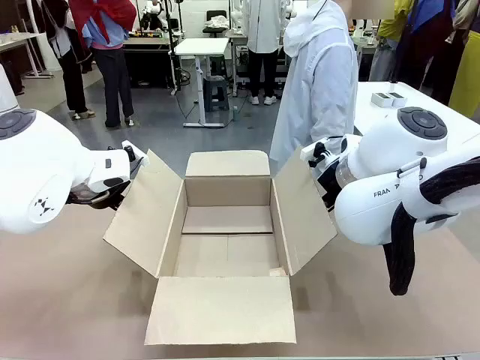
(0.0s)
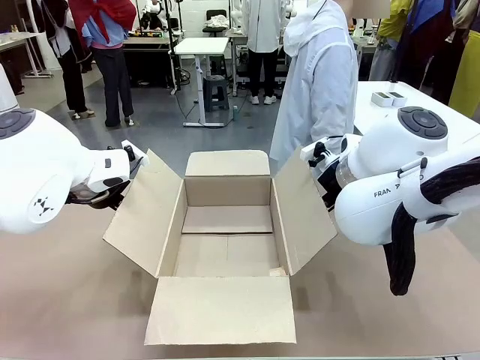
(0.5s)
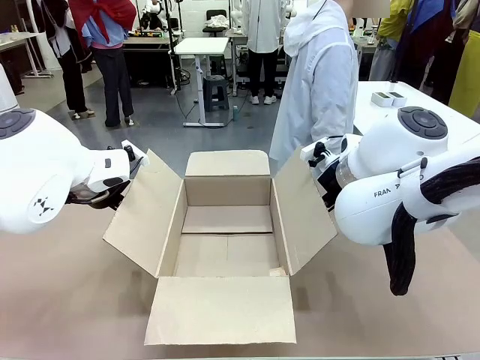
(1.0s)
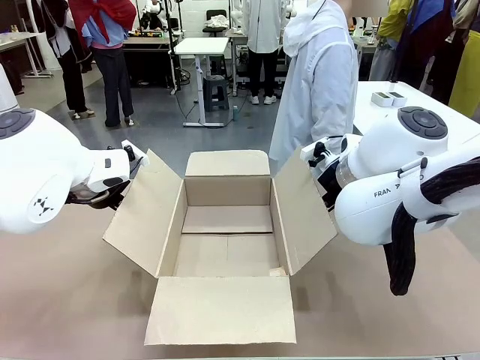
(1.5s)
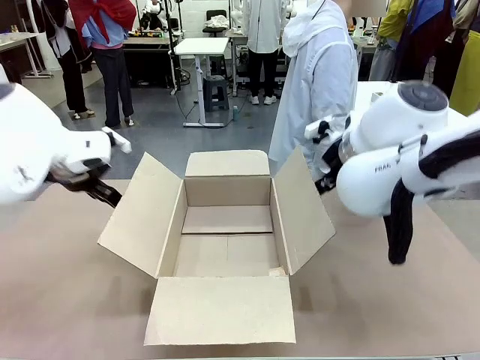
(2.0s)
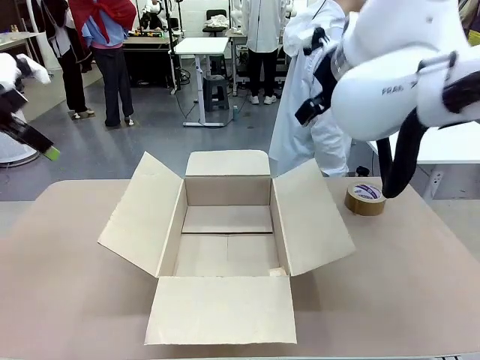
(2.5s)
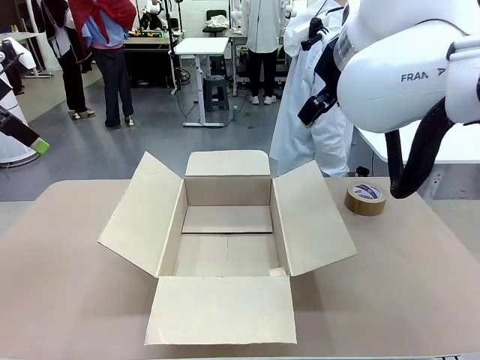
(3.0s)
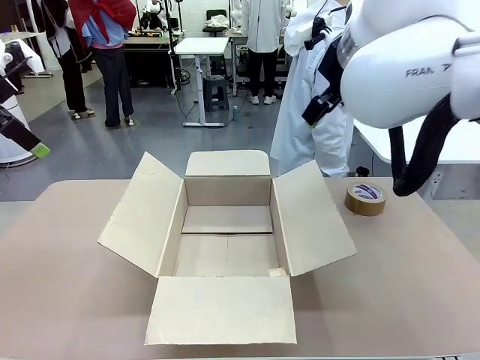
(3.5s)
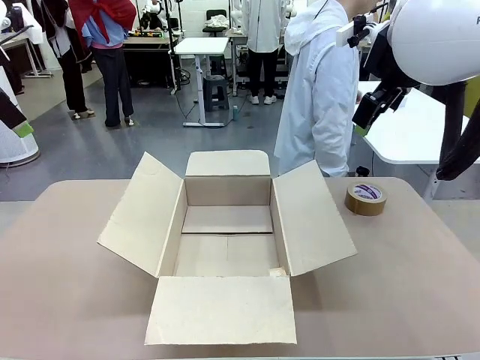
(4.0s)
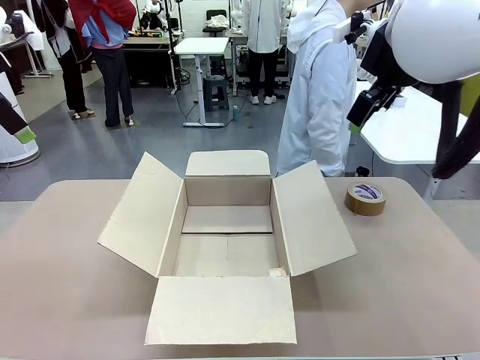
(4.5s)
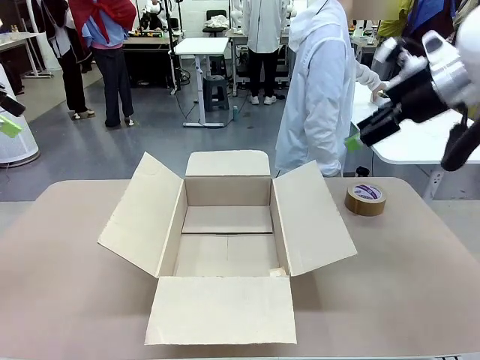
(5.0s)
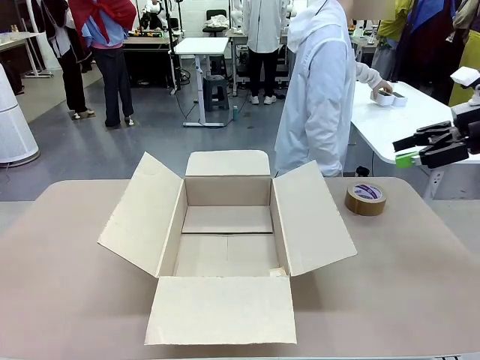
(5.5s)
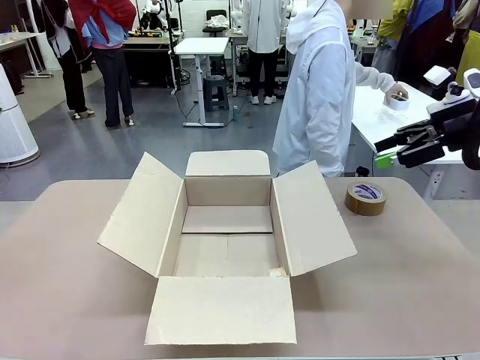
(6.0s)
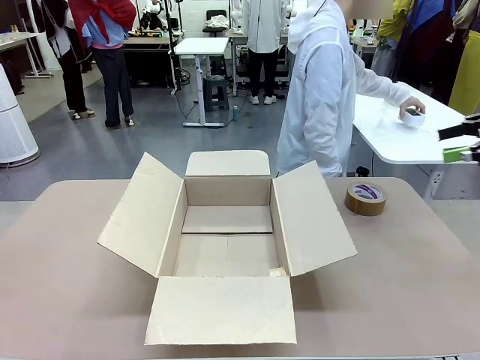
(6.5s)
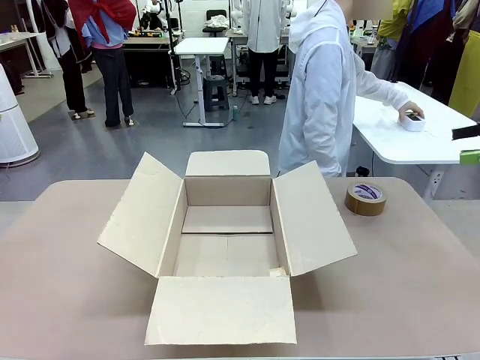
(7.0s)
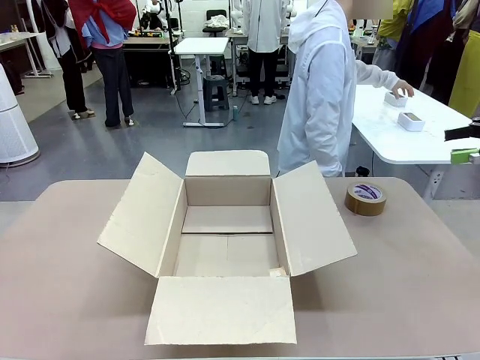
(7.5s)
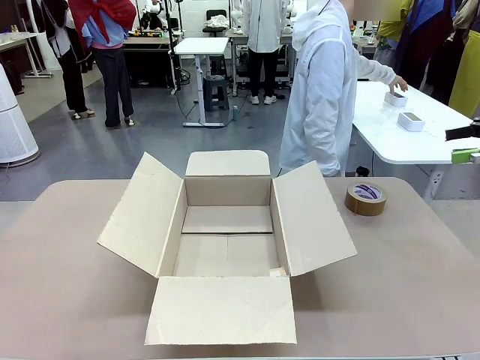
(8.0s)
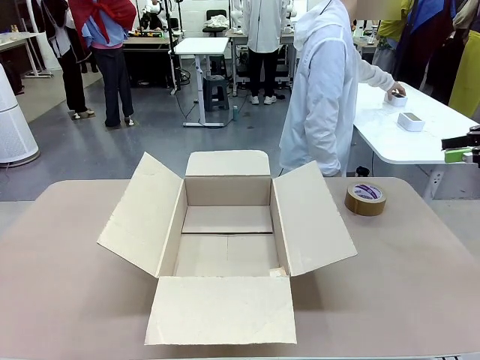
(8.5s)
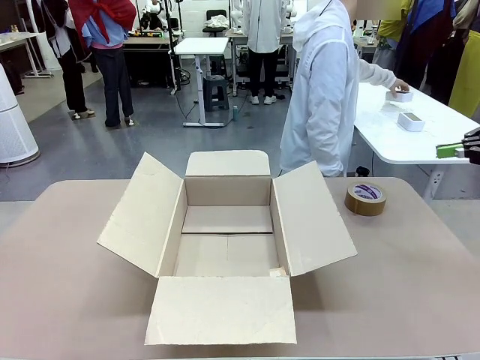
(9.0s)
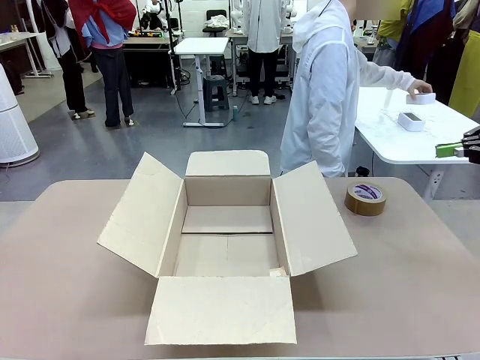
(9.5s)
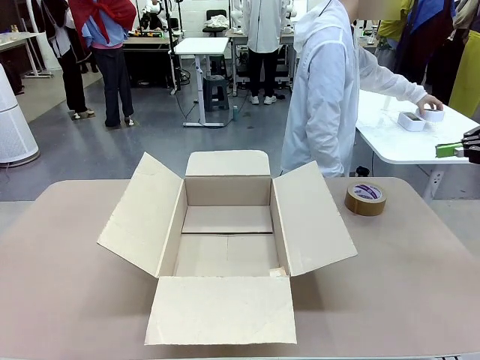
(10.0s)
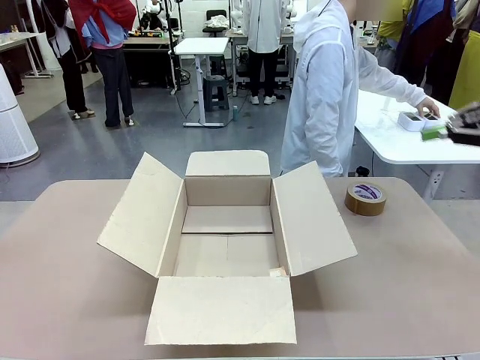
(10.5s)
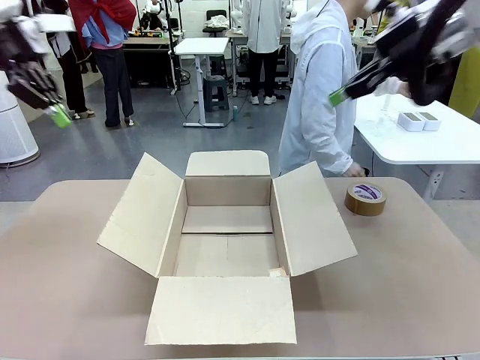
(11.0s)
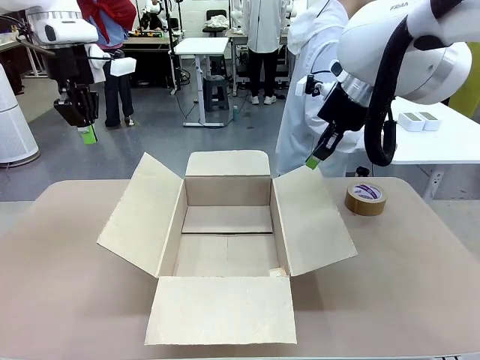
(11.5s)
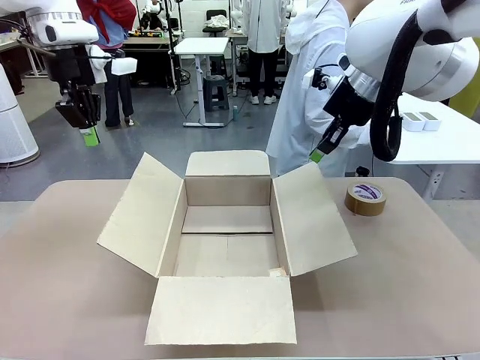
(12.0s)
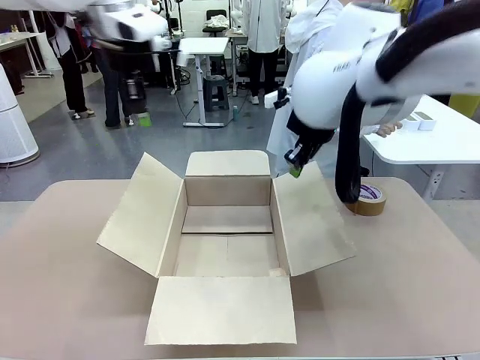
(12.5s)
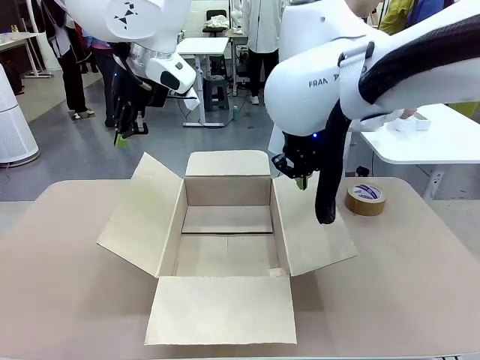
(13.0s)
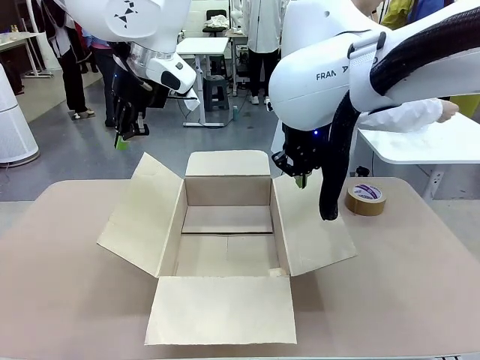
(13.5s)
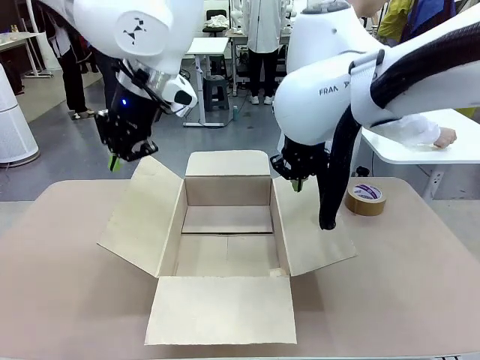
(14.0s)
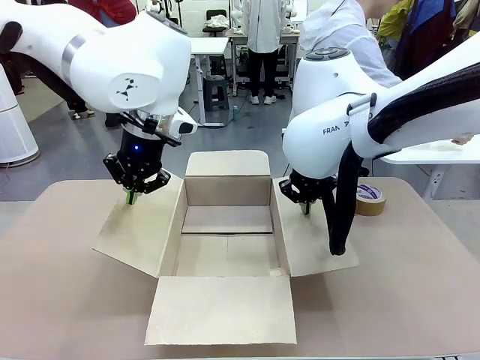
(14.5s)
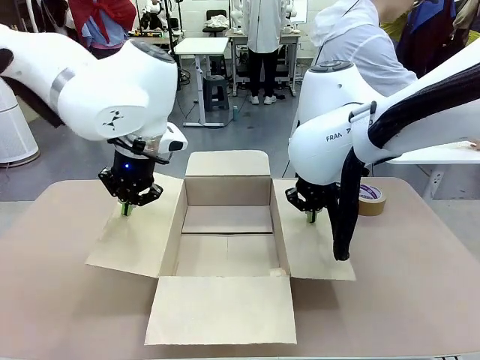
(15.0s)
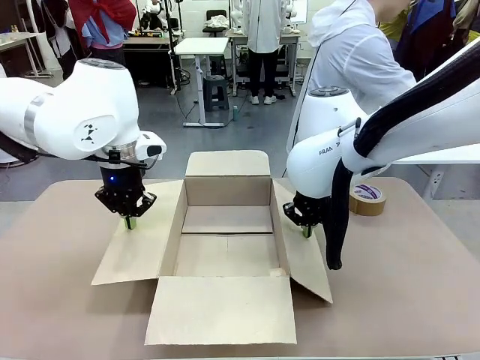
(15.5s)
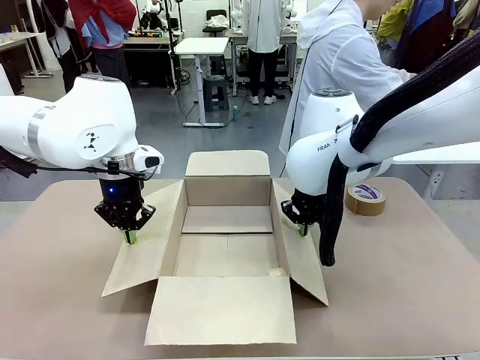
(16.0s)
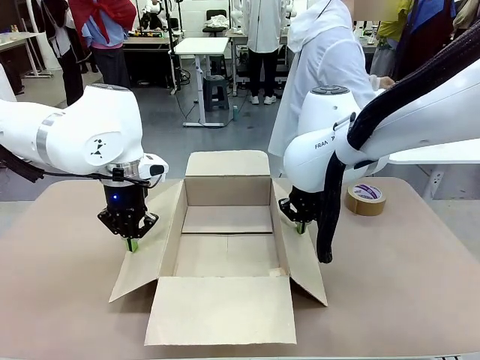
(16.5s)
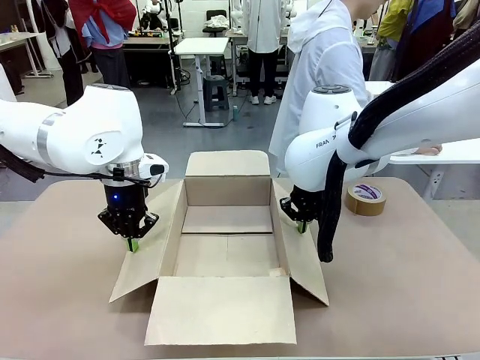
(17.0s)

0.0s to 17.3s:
Task: Wrap the clocks to prevent damage.
Robot: Open the side flaps of the Package Box.
Person: Wrap the two Digital clocks with Bubble Wrap.

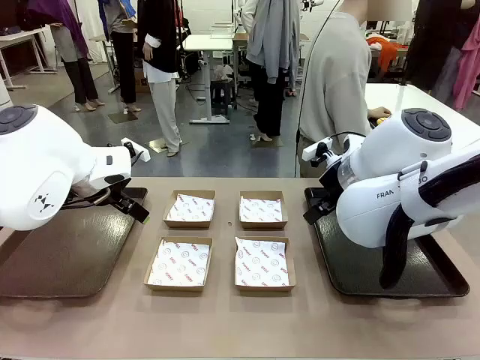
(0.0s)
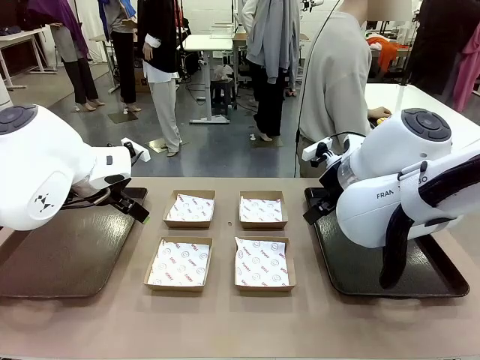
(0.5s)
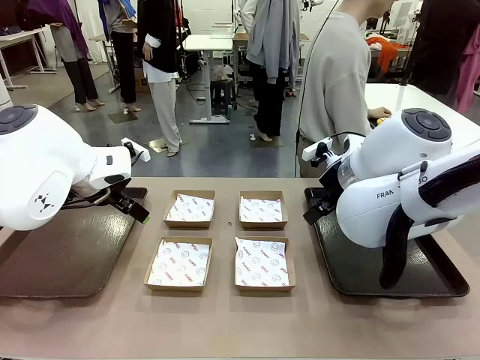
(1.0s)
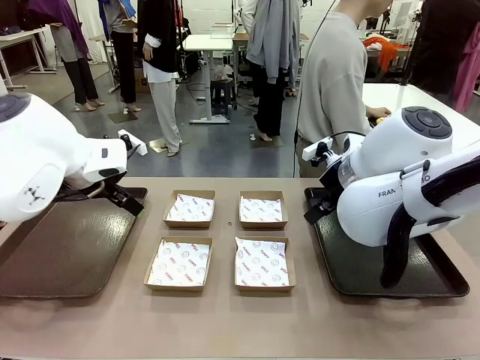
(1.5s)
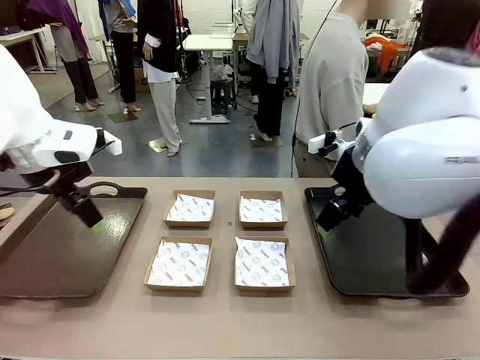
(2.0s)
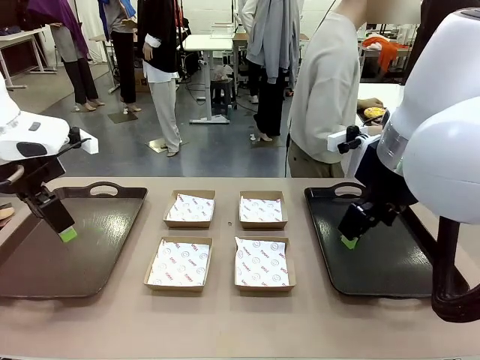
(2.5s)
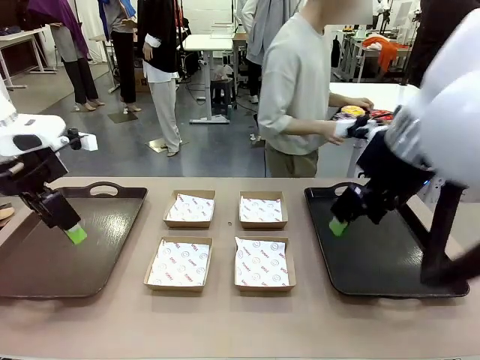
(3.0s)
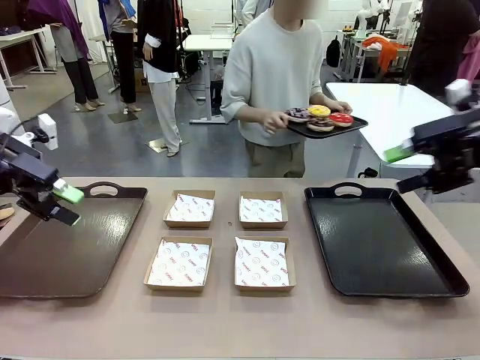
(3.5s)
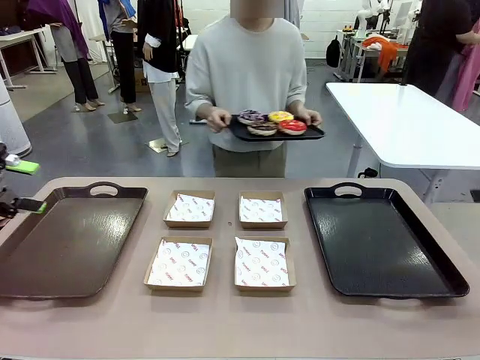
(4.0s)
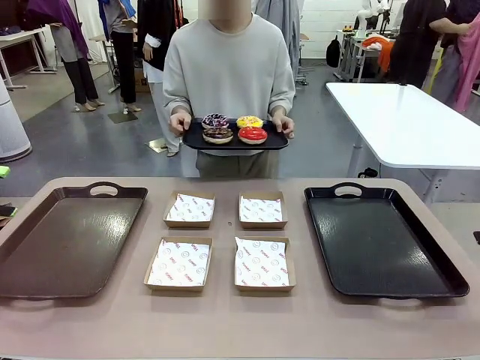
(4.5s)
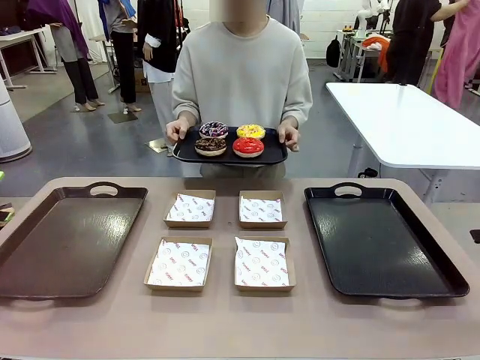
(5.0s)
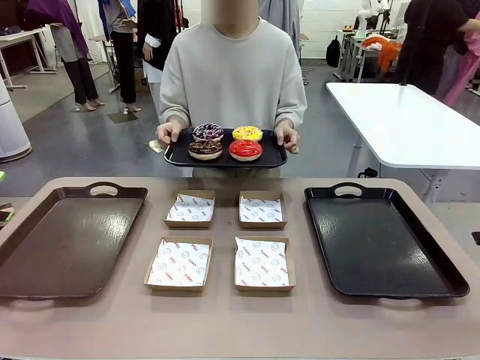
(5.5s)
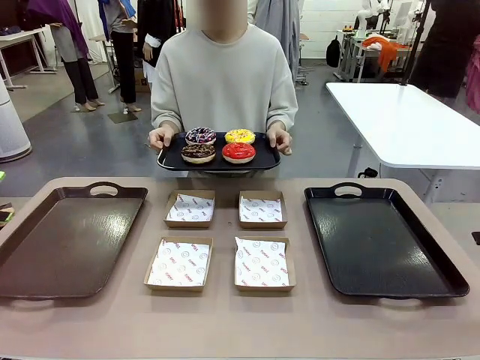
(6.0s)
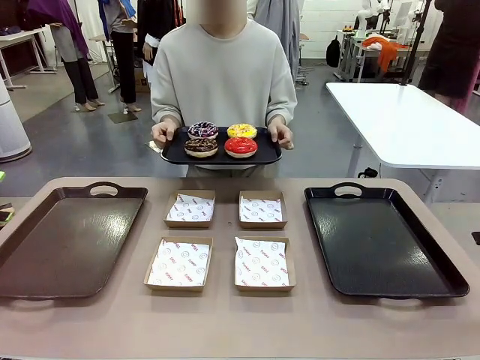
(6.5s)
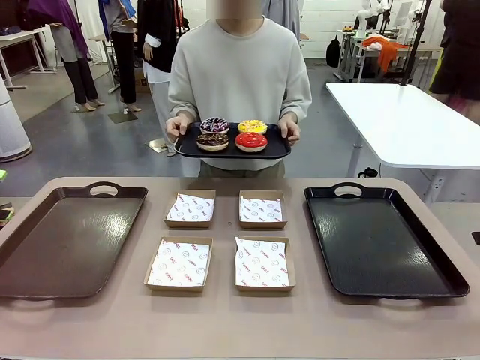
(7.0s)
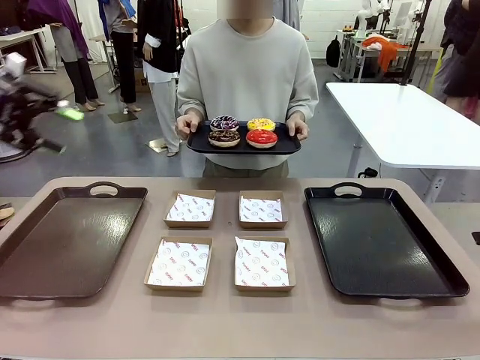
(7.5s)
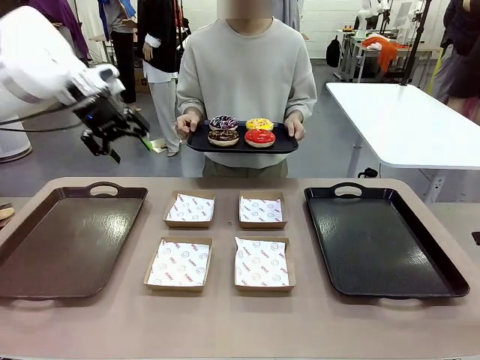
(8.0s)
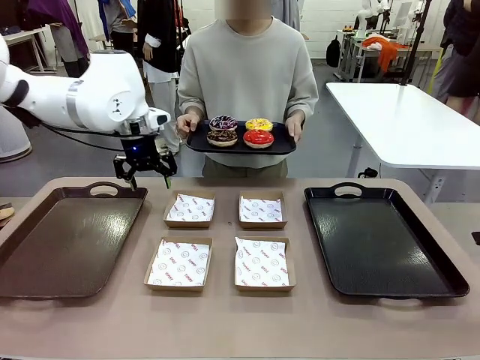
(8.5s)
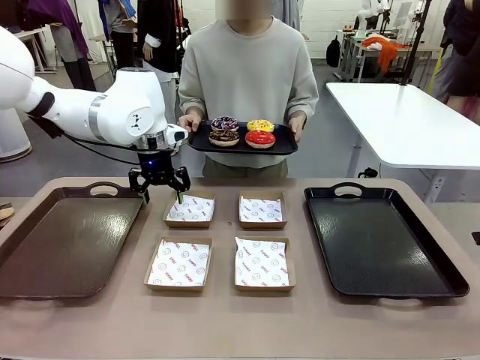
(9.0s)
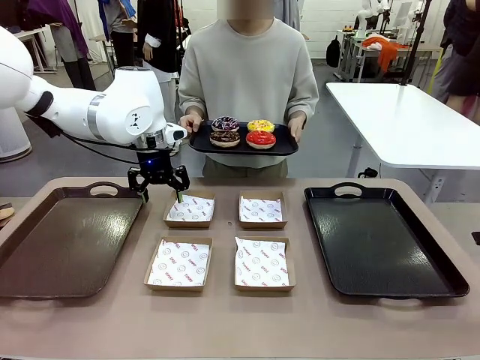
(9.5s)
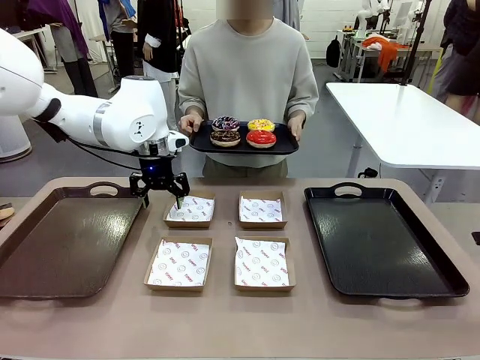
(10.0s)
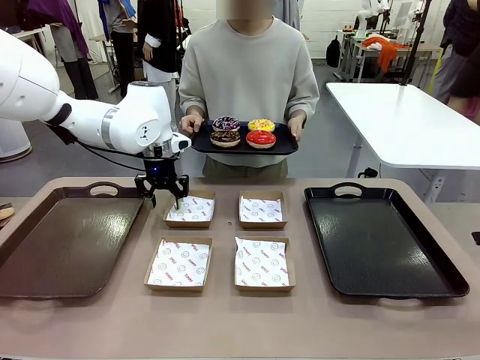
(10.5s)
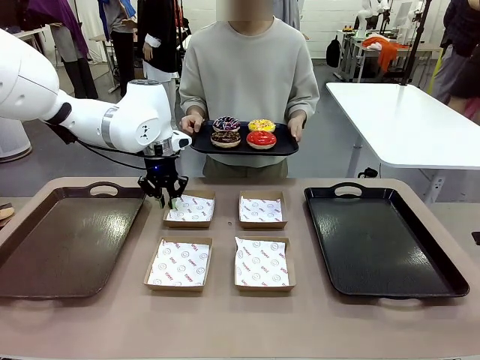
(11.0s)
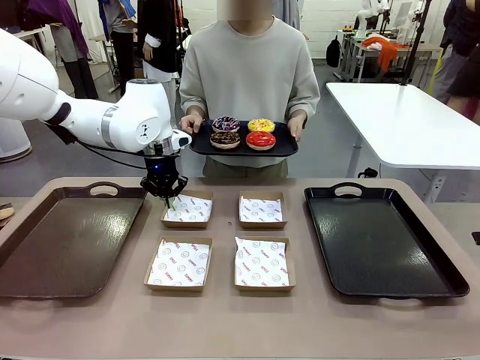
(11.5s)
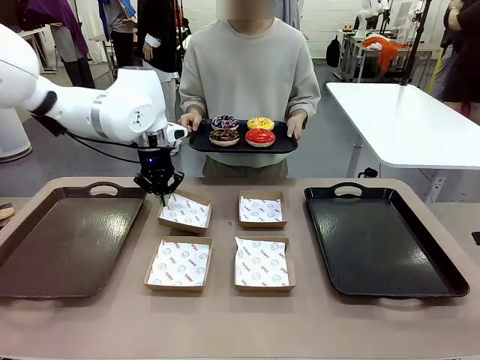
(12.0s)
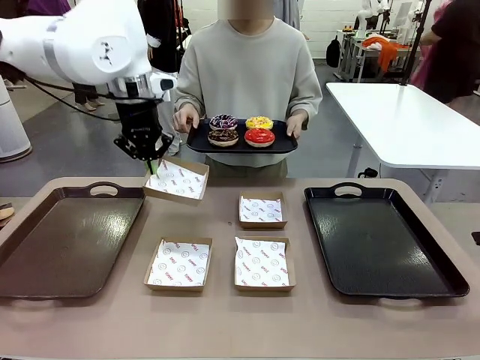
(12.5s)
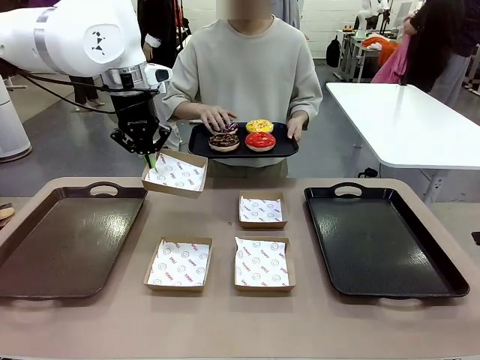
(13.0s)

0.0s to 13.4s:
Task: Individually package the donuts and arrange them on the tray.
Robot: Pick up one Paper togo box.
Person: Stand in front of the robot table holding the tray containing the donuts.
